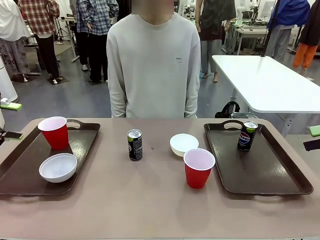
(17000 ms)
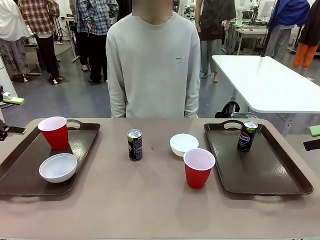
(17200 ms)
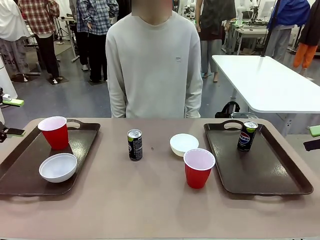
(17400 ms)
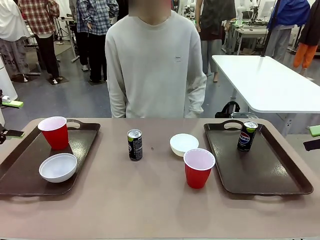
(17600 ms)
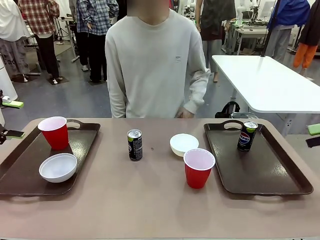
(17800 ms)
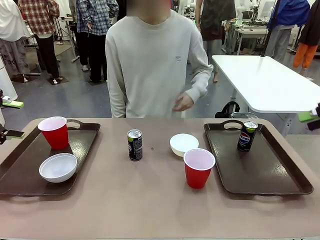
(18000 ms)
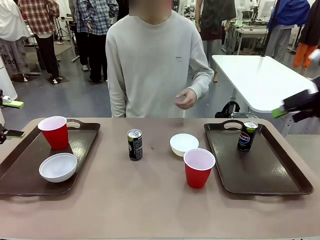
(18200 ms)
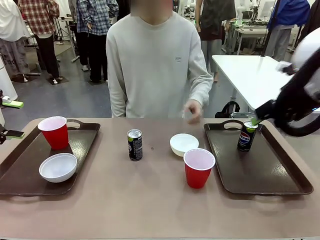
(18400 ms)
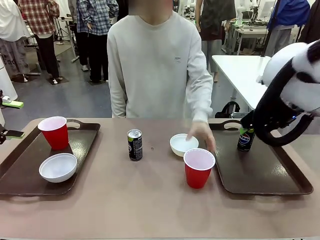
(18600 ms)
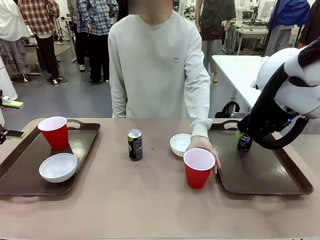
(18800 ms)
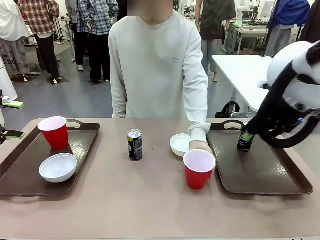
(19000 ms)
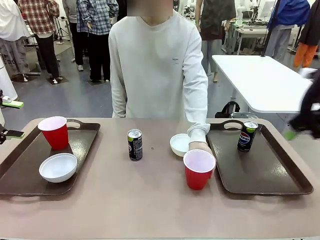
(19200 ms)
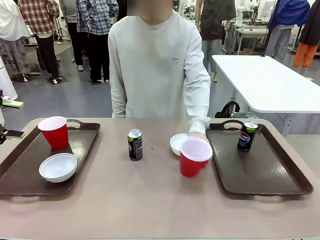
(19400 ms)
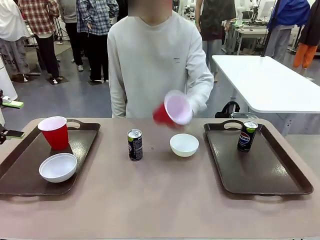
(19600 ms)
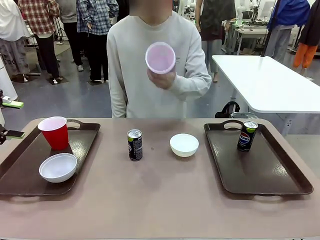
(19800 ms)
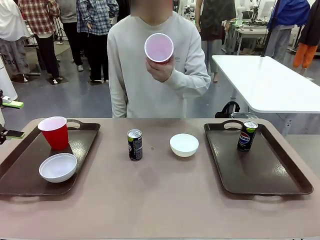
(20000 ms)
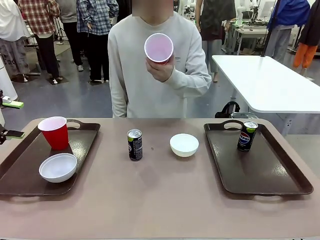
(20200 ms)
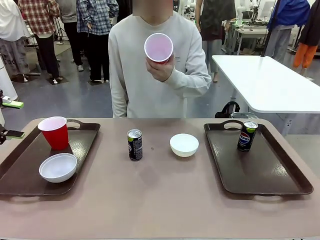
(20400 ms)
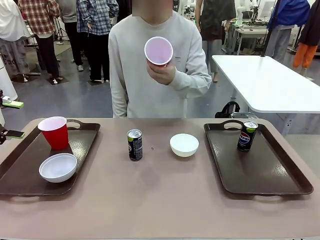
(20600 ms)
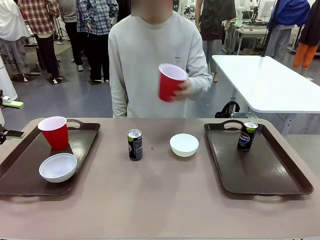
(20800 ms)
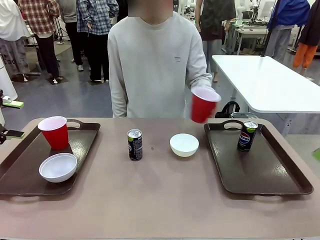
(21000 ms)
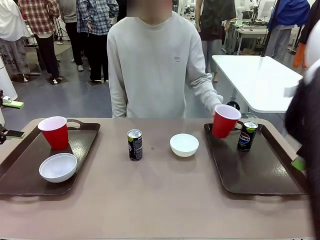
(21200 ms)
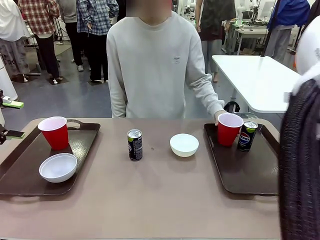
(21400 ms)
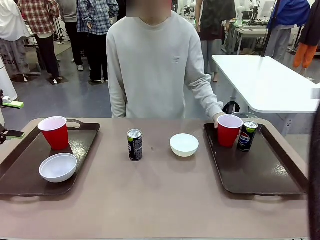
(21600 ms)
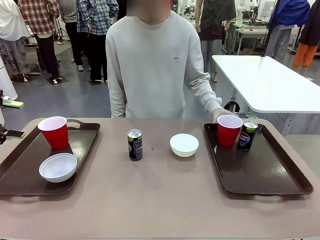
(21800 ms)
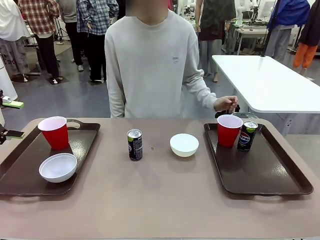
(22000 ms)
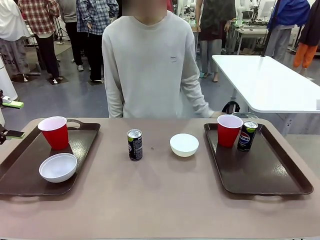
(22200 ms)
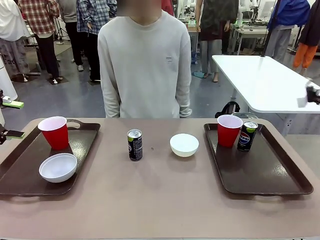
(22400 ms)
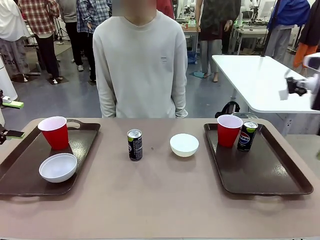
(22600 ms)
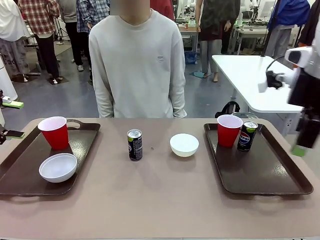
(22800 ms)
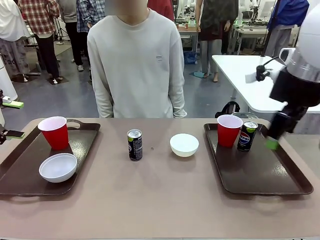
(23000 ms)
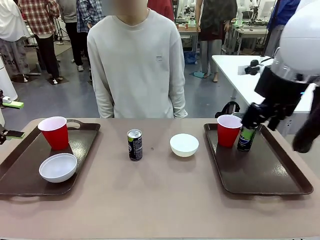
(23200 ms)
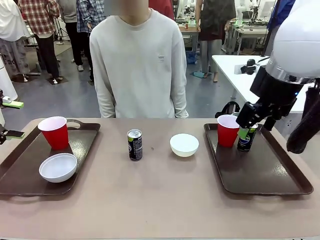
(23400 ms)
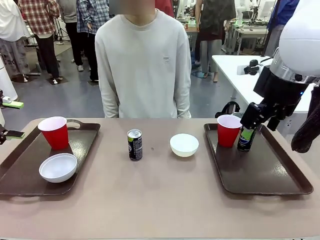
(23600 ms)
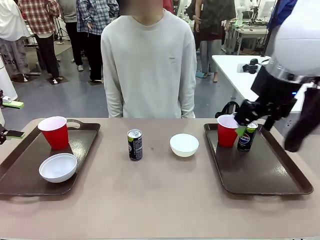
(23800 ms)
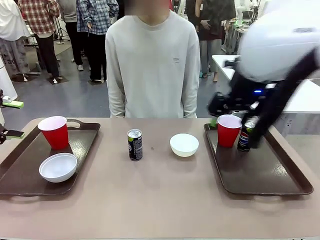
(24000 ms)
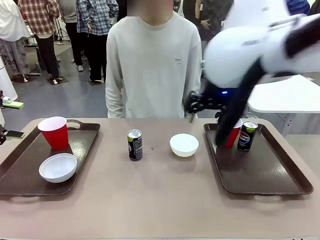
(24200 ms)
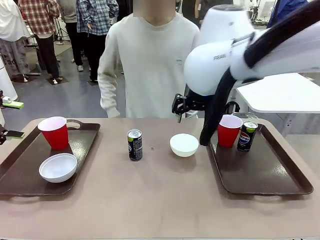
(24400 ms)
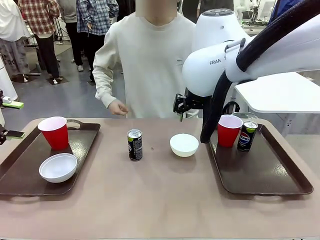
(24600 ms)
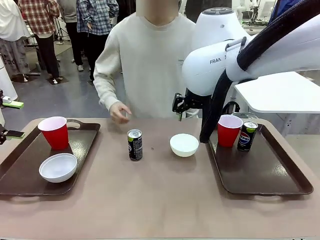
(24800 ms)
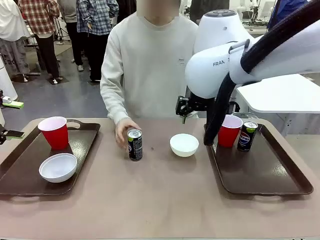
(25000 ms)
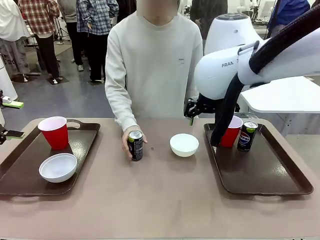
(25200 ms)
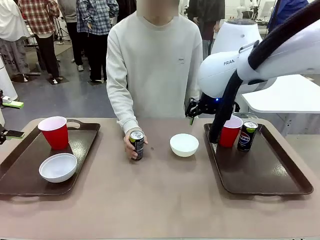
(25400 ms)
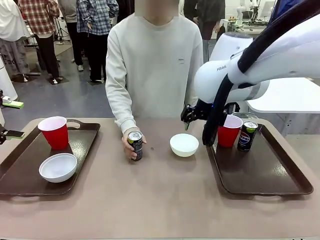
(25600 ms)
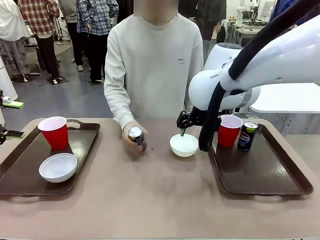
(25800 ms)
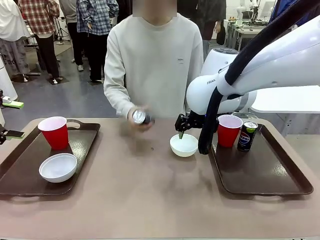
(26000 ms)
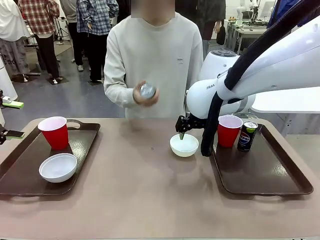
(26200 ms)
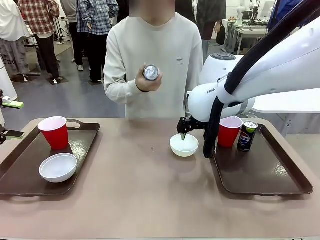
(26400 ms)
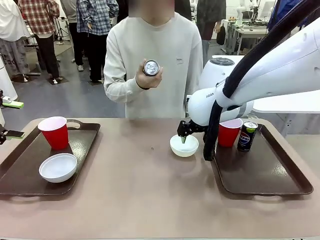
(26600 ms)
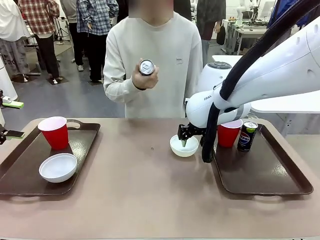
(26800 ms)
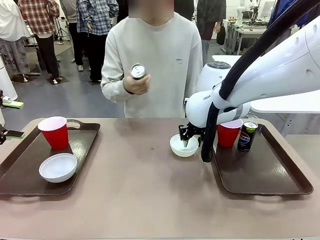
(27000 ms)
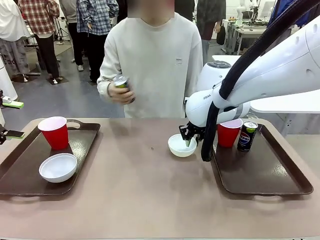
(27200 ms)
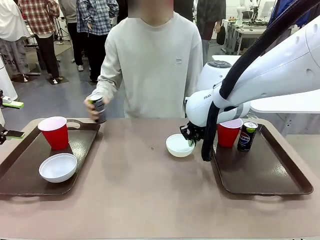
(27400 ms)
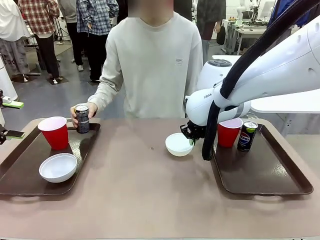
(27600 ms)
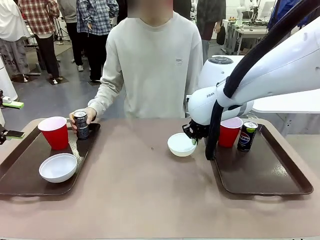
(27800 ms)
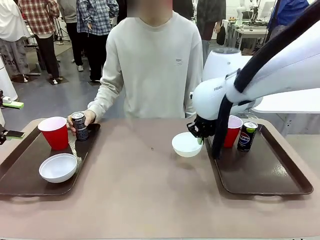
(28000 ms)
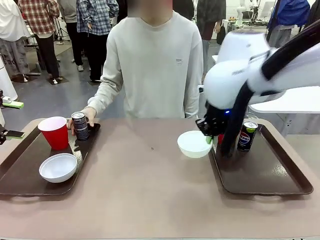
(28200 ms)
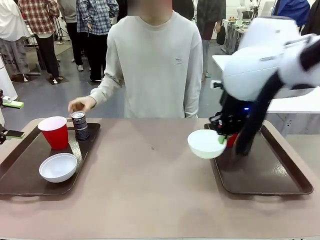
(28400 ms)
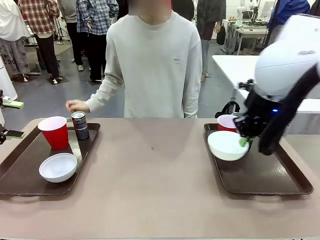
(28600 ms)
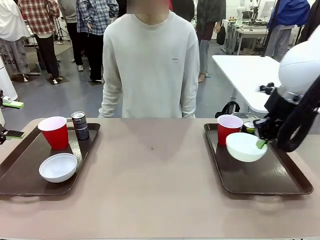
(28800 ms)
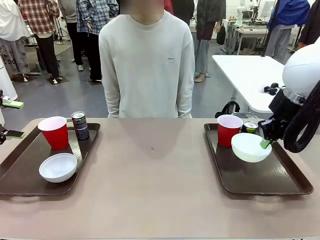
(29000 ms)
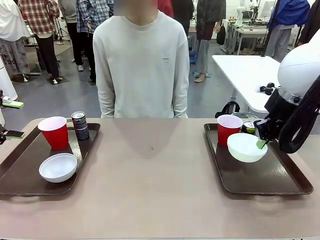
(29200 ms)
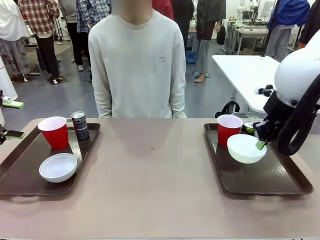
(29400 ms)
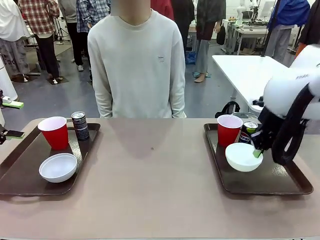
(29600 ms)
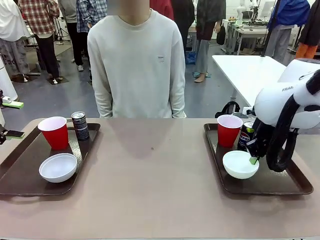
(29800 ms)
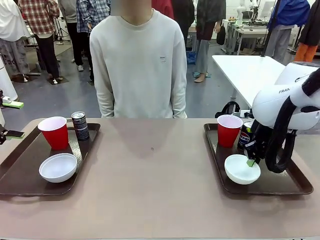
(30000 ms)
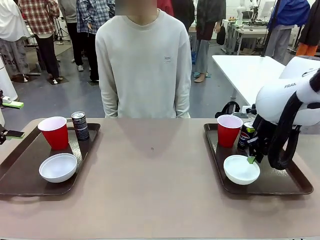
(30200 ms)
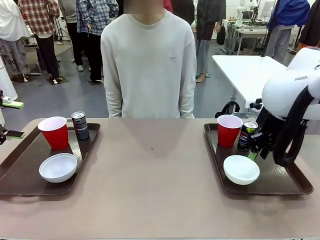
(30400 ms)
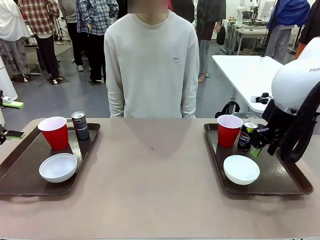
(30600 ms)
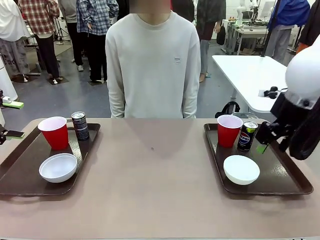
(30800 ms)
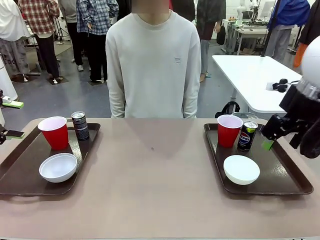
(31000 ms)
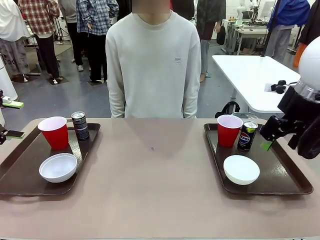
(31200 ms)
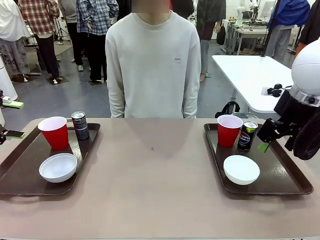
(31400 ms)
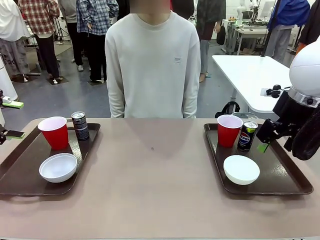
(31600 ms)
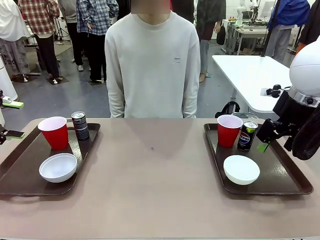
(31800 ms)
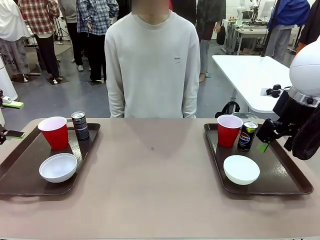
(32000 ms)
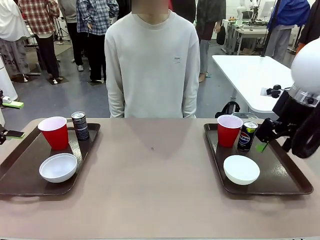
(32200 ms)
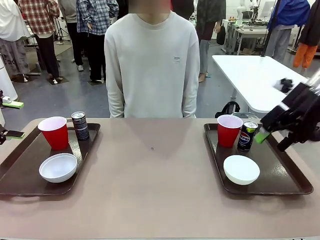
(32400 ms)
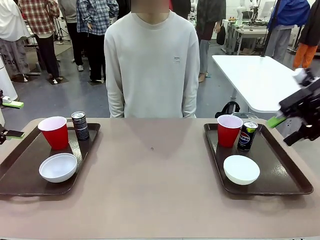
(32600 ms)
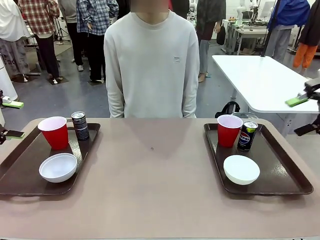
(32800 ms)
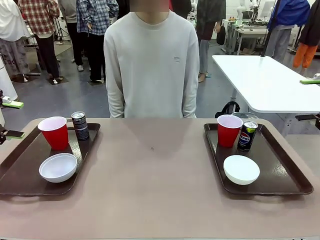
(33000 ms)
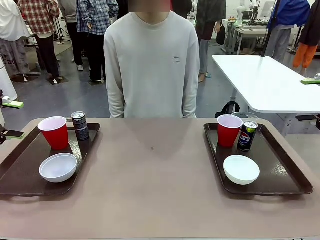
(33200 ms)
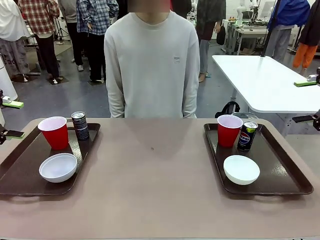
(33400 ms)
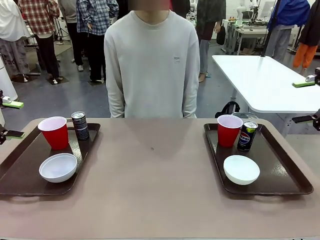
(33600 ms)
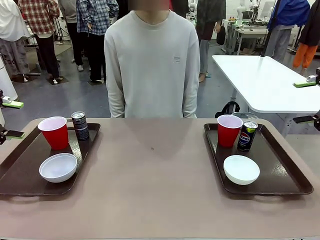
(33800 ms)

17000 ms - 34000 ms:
Task: Prepare tableware on both trays.
Robot: Pick up a Picnic Bowl from the table and place it on a Handle tray.
Person: Pick up a can or cup and place it on the tray without a can or cup.
